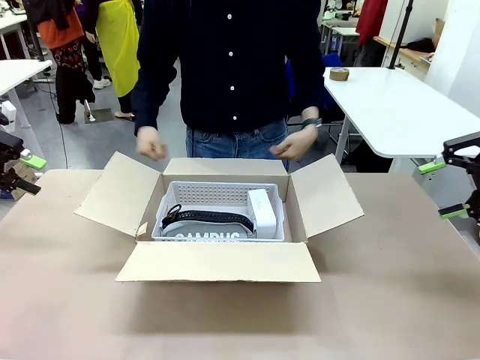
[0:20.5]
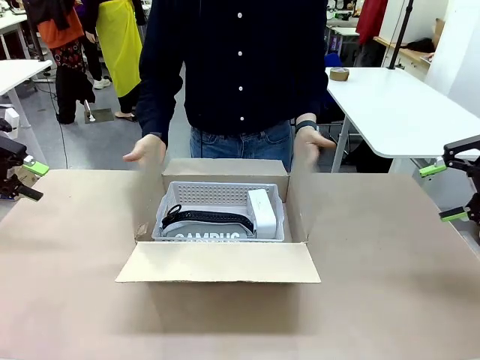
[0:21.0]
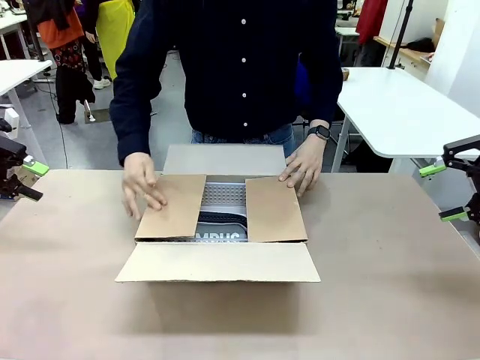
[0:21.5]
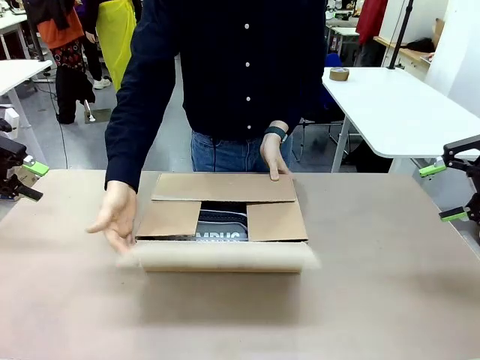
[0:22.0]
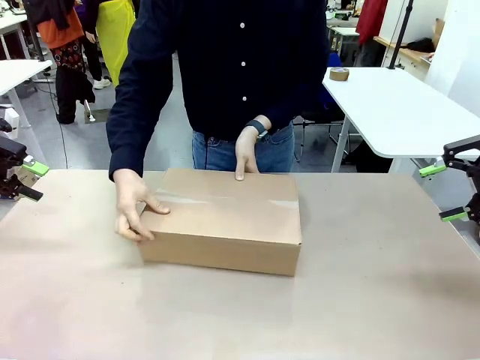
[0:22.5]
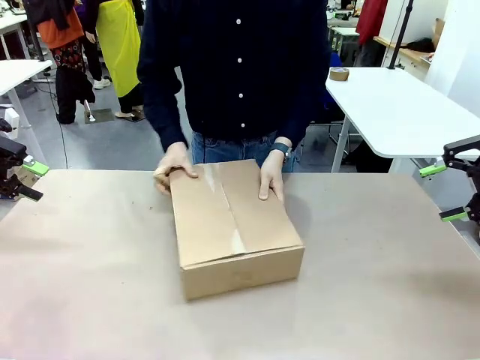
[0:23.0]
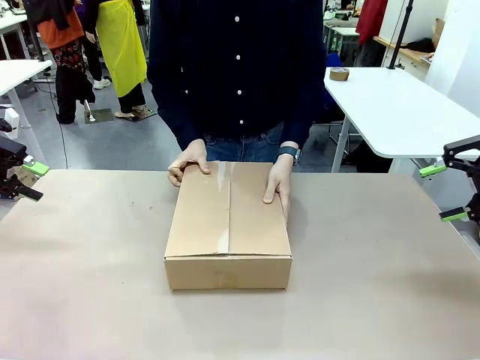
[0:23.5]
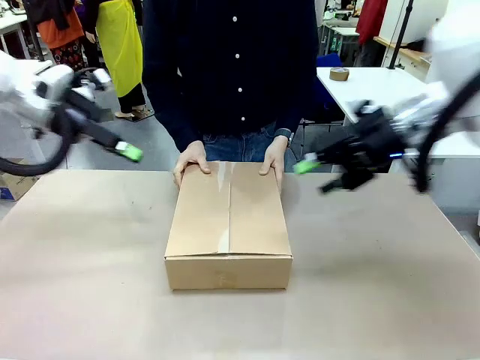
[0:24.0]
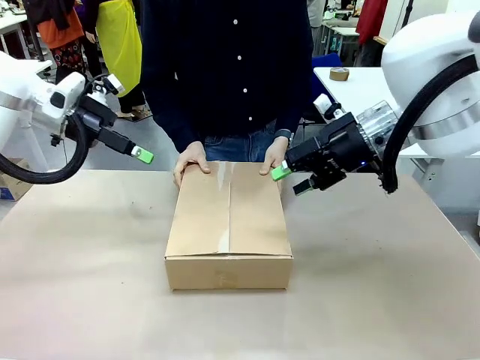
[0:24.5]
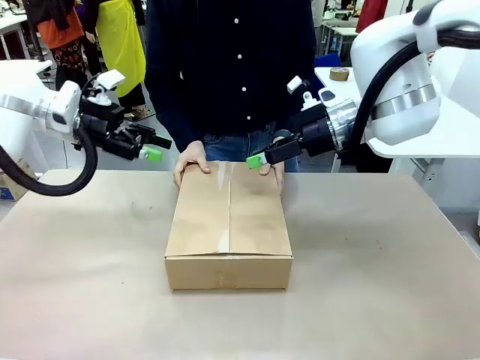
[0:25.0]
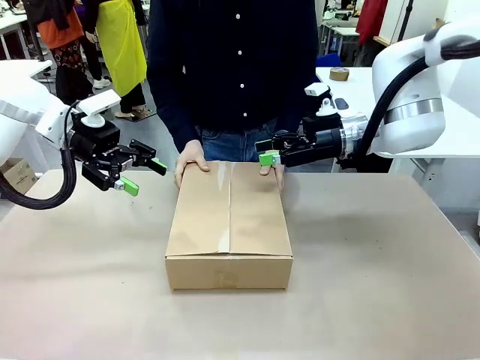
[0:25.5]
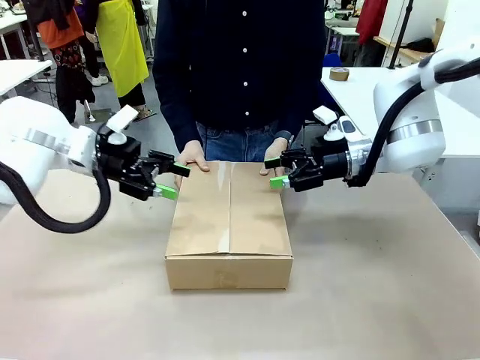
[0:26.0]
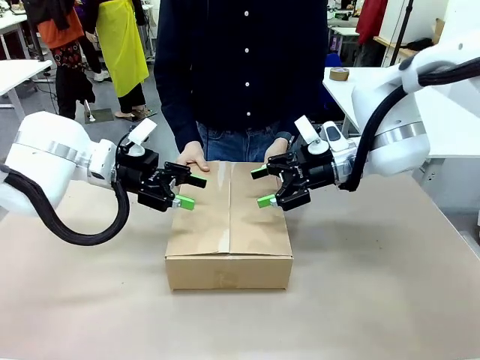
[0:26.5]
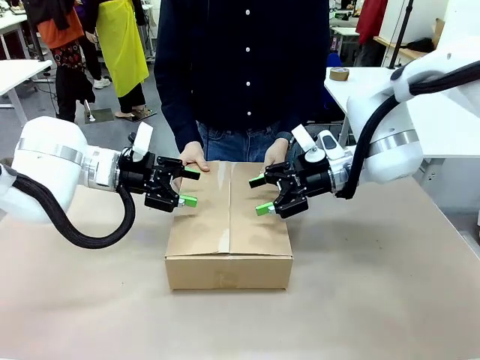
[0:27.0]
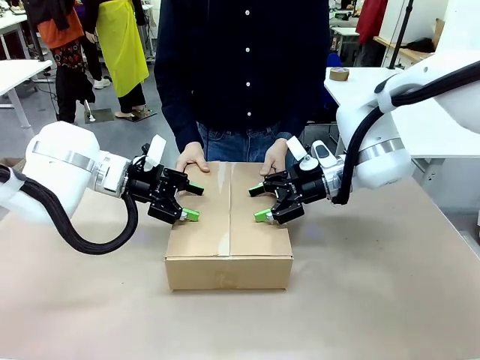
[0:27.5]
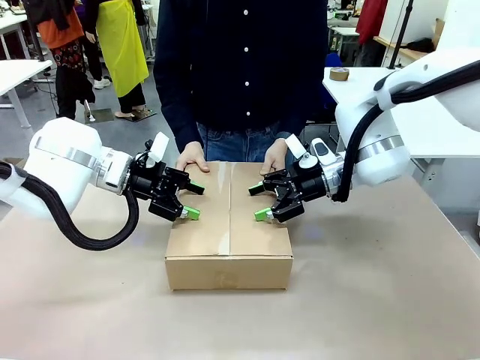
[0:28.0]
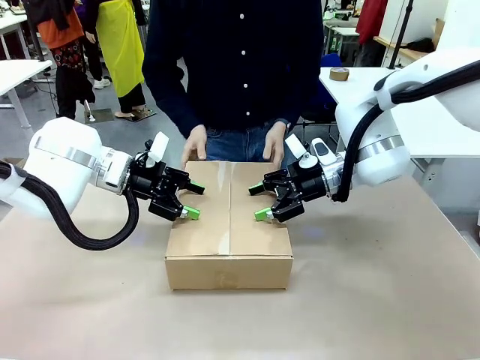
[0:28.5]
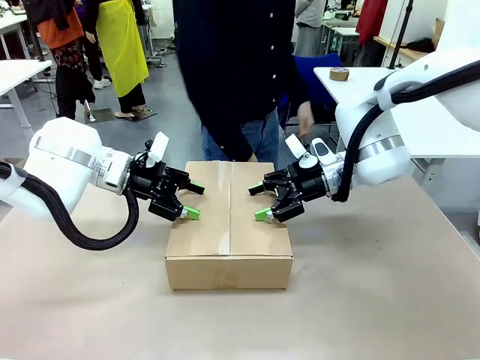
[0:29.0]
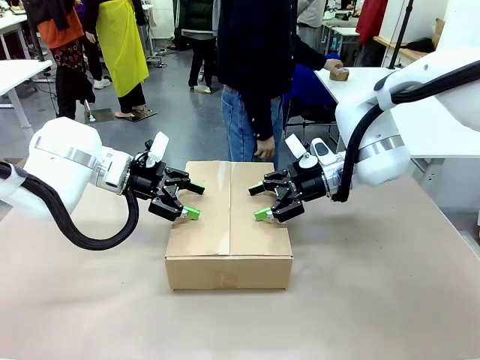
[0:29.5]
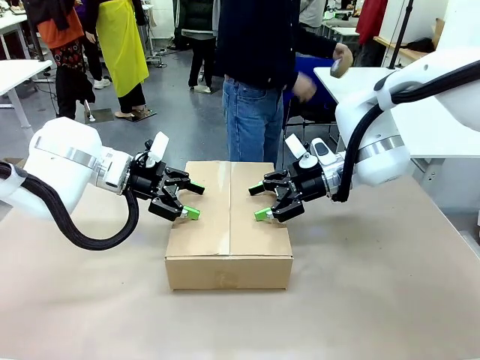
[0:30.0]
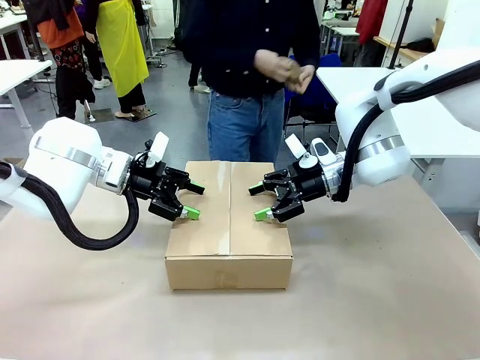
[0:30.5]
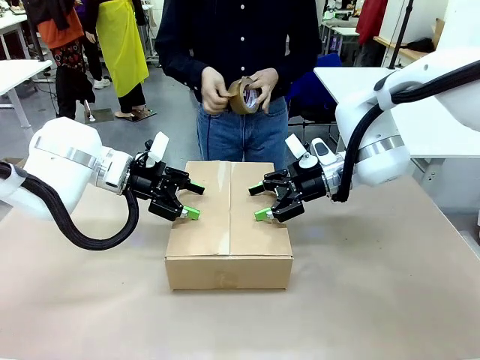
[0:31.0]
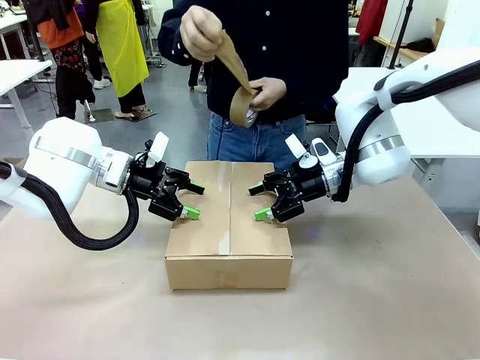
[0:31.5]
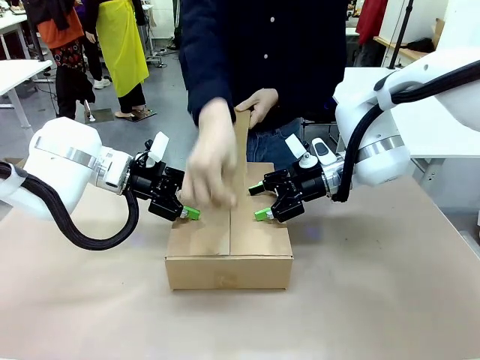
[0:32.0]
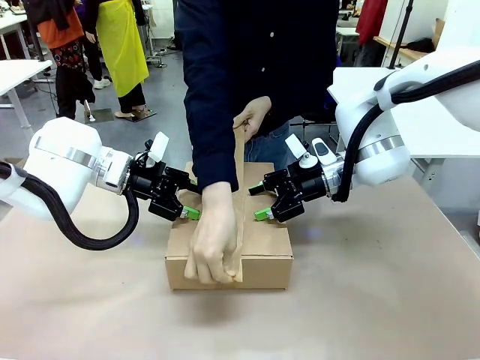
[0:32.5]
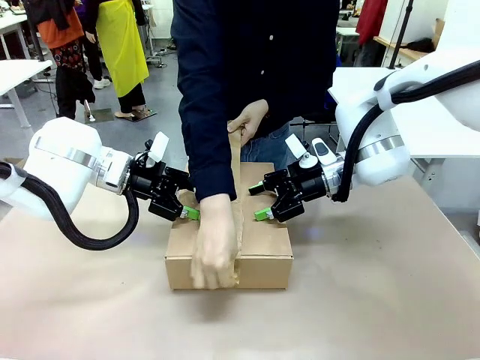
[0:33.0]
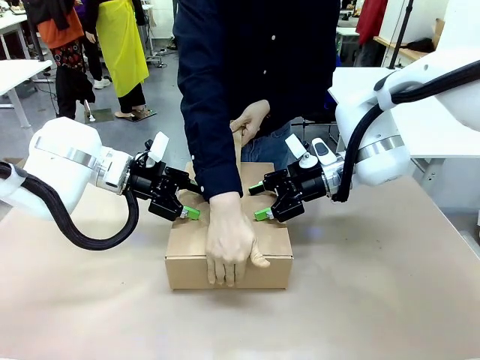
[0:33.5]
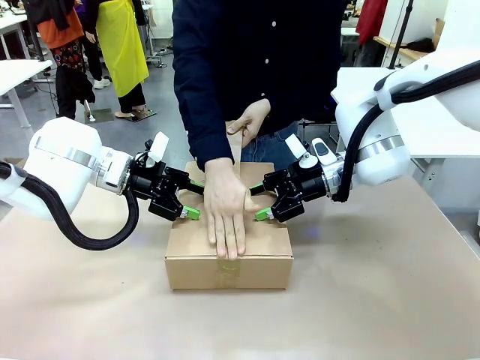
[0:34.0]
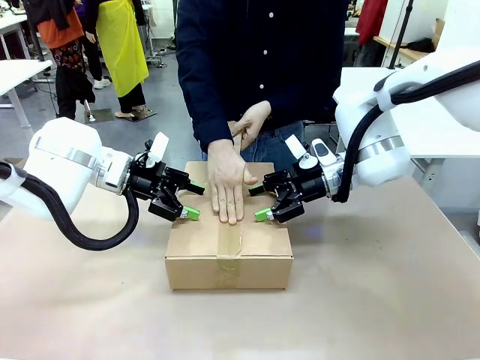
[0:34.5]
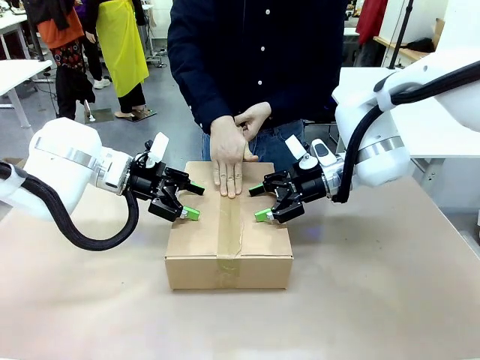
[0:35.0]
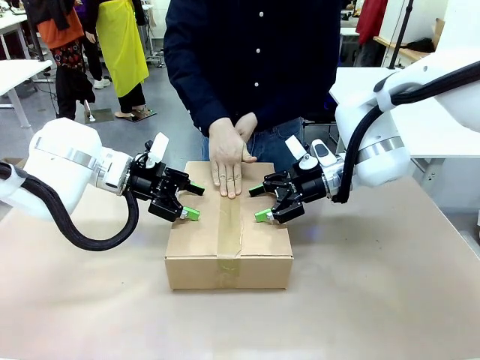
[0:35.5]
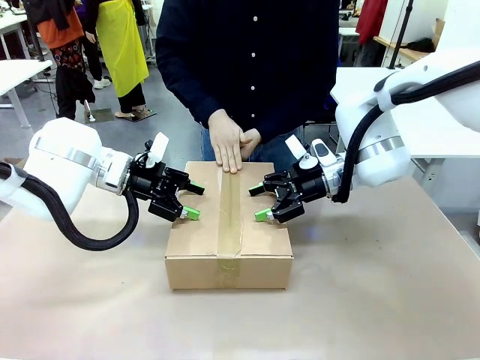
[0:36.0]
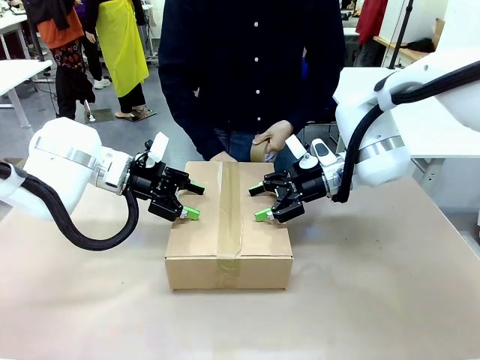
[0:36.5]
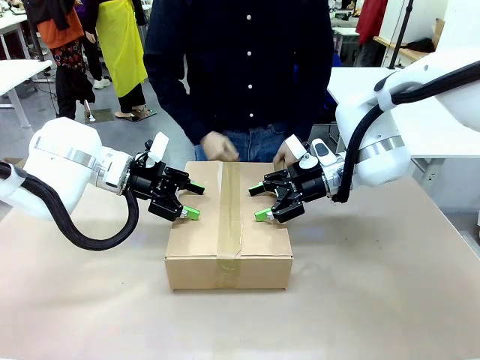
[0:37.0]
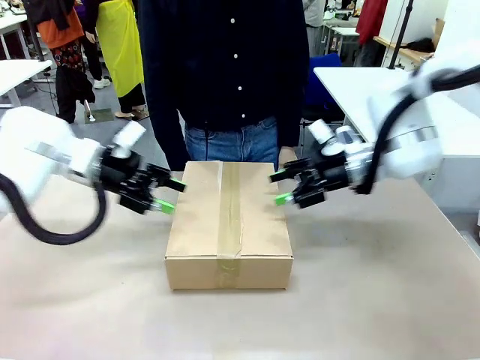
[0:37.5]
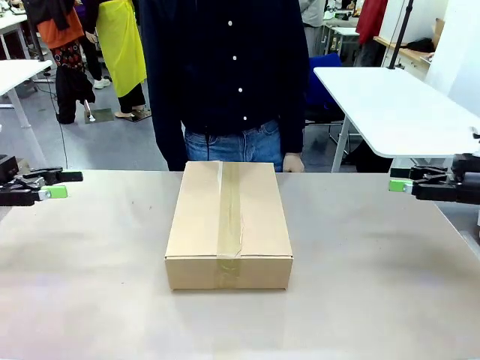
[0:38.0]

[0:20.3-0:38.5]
Task: Pack the gift set into the box.
Robot: Press and hold the closed box until the human finishes sealing it.
Person: The human closes the box and rotates the box by 90 degrees. The human picks up the paper tape from the human table and packs the box.
